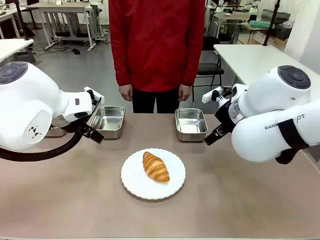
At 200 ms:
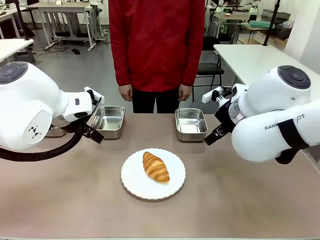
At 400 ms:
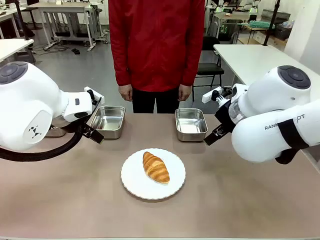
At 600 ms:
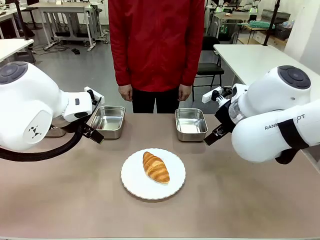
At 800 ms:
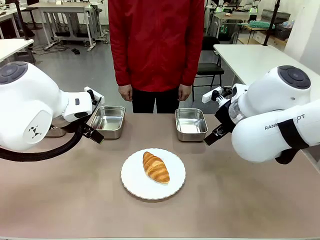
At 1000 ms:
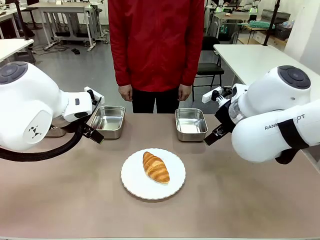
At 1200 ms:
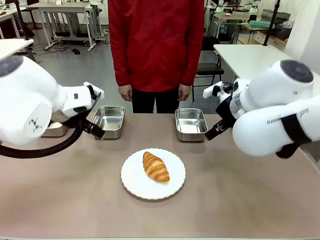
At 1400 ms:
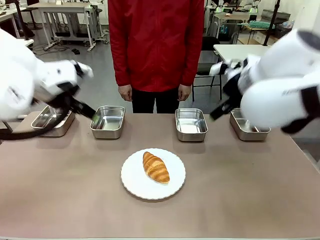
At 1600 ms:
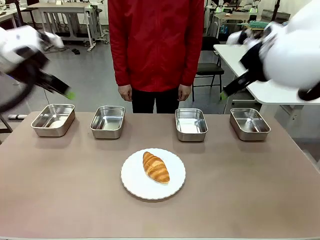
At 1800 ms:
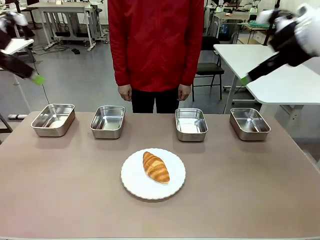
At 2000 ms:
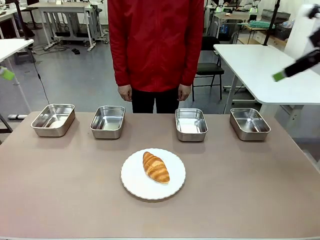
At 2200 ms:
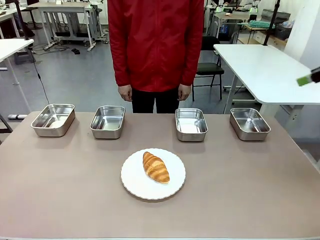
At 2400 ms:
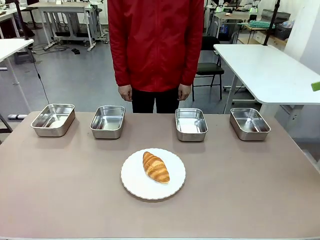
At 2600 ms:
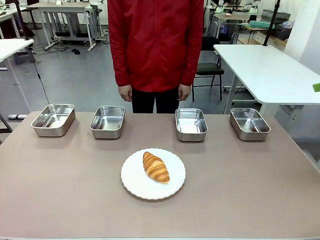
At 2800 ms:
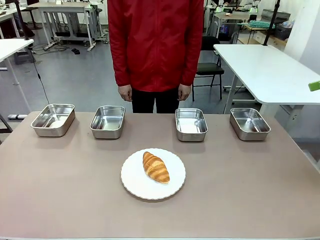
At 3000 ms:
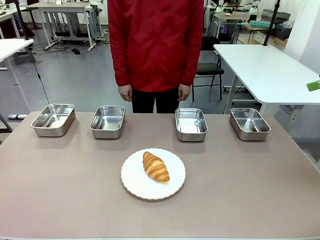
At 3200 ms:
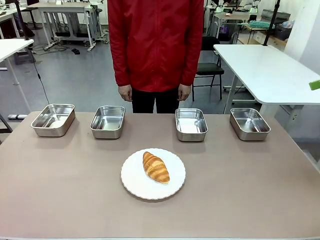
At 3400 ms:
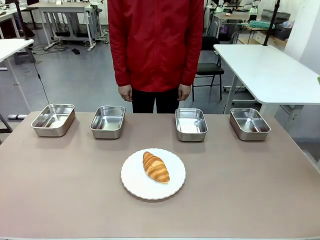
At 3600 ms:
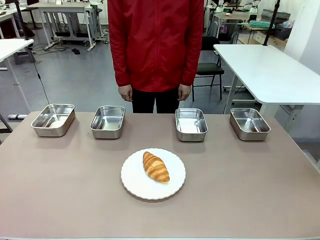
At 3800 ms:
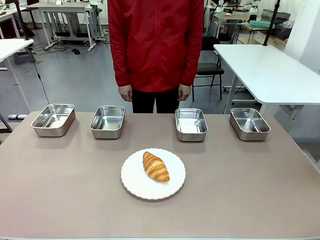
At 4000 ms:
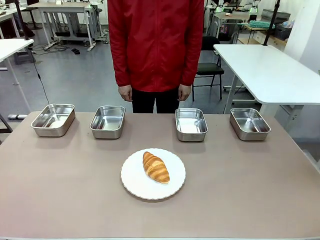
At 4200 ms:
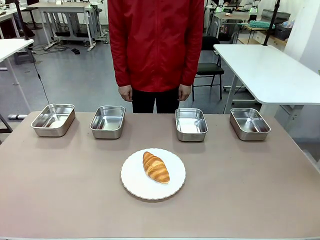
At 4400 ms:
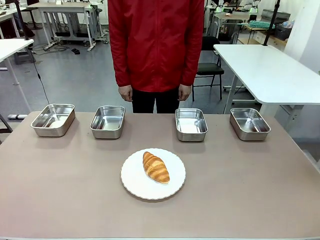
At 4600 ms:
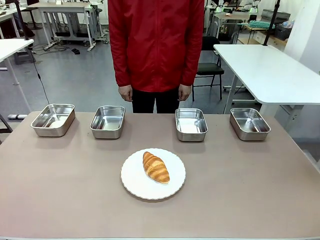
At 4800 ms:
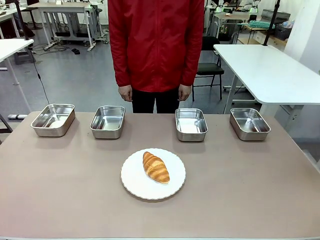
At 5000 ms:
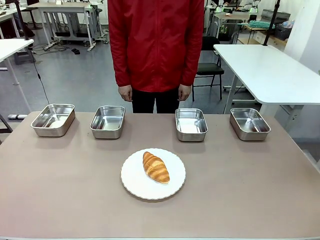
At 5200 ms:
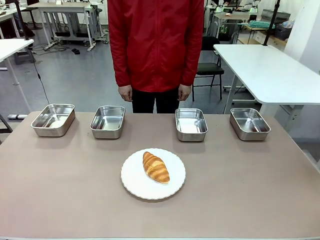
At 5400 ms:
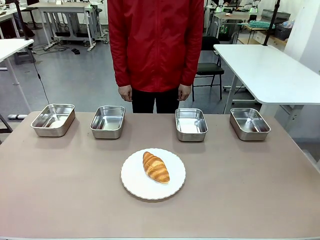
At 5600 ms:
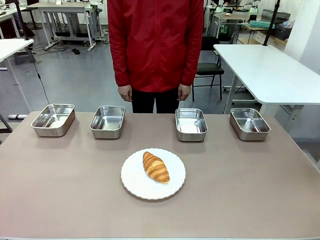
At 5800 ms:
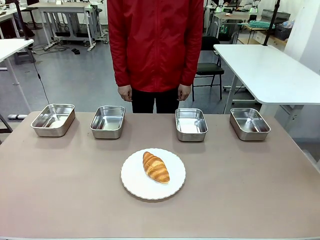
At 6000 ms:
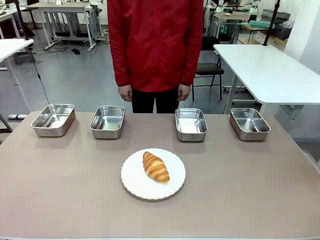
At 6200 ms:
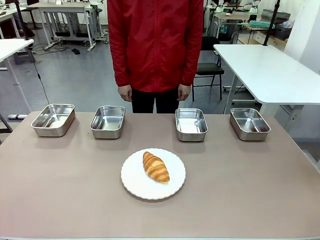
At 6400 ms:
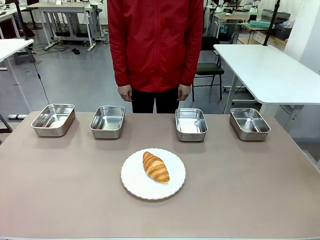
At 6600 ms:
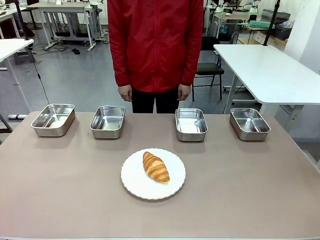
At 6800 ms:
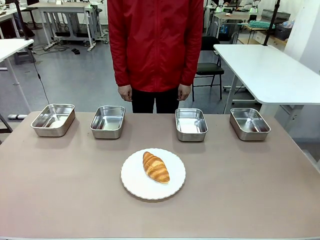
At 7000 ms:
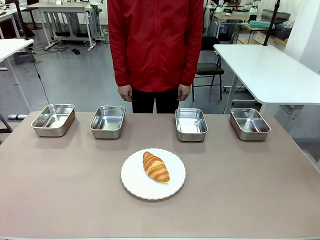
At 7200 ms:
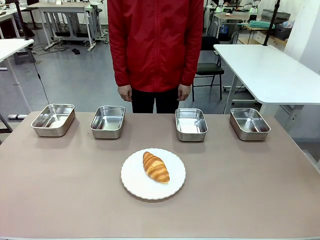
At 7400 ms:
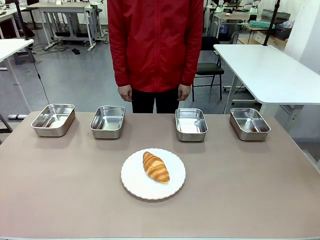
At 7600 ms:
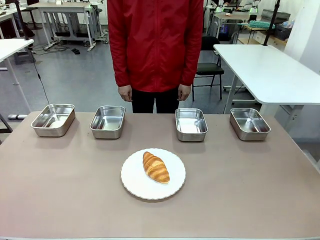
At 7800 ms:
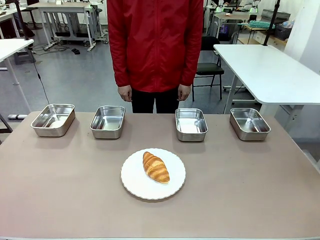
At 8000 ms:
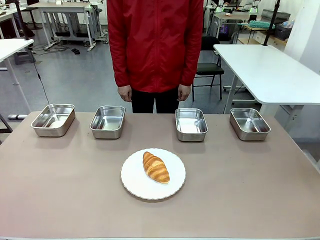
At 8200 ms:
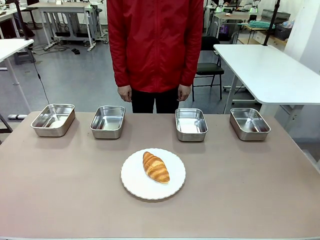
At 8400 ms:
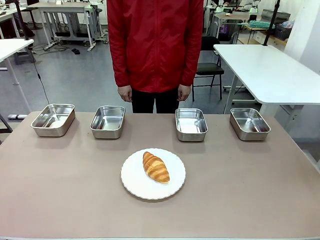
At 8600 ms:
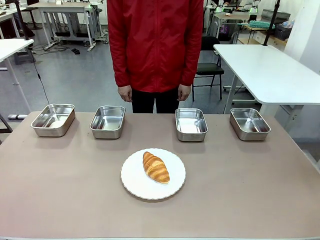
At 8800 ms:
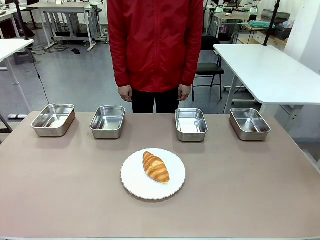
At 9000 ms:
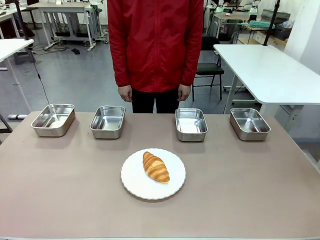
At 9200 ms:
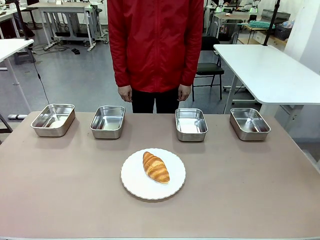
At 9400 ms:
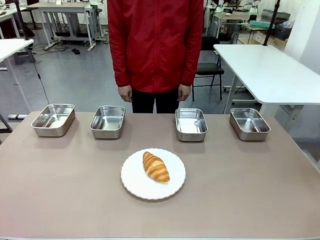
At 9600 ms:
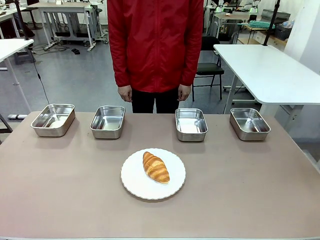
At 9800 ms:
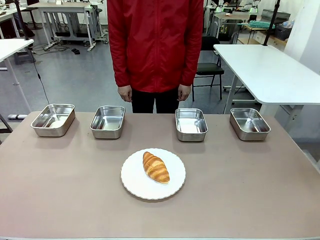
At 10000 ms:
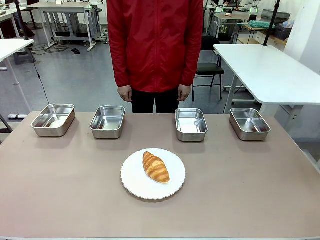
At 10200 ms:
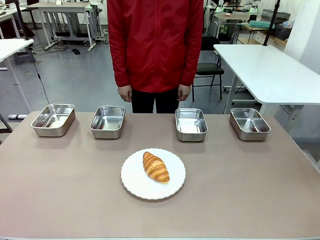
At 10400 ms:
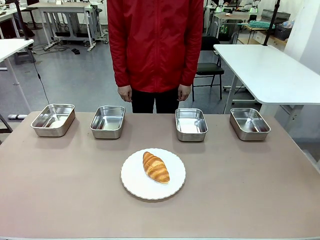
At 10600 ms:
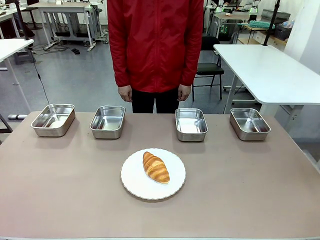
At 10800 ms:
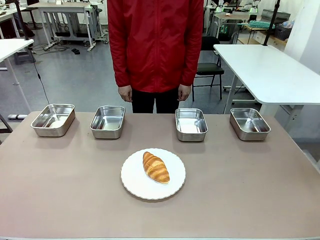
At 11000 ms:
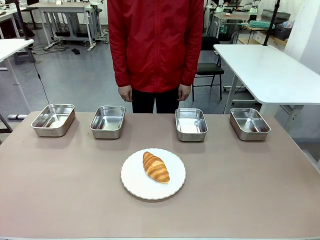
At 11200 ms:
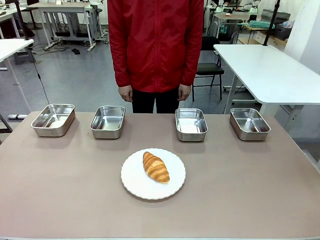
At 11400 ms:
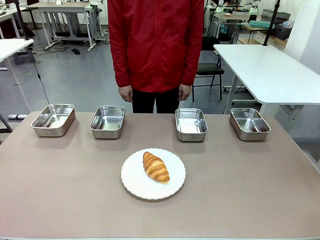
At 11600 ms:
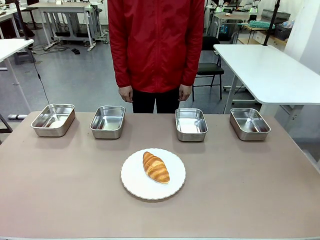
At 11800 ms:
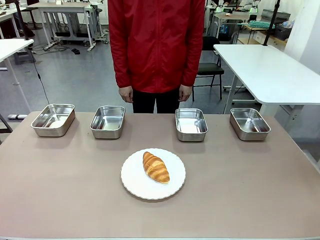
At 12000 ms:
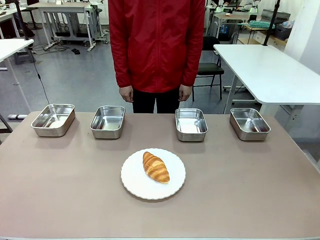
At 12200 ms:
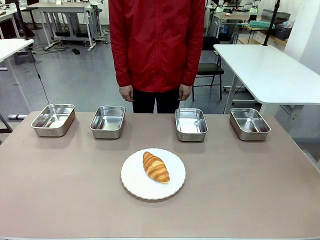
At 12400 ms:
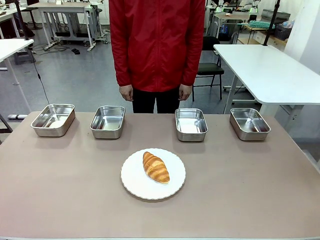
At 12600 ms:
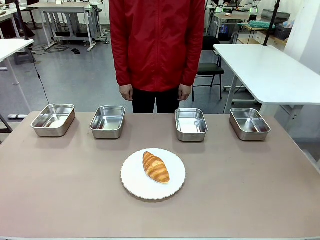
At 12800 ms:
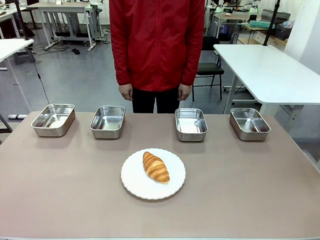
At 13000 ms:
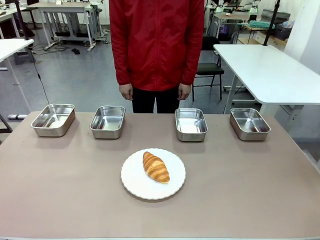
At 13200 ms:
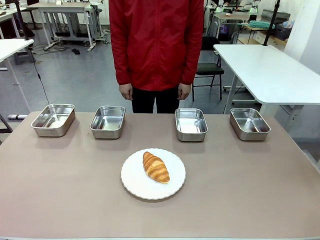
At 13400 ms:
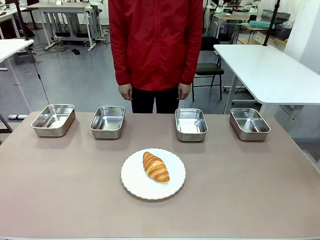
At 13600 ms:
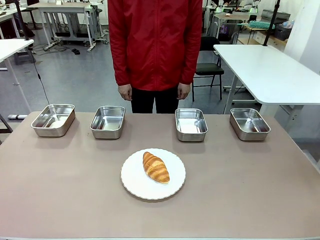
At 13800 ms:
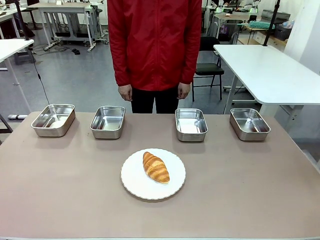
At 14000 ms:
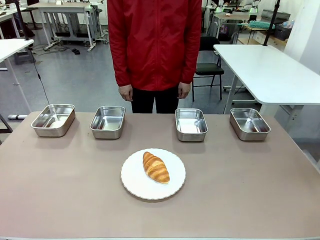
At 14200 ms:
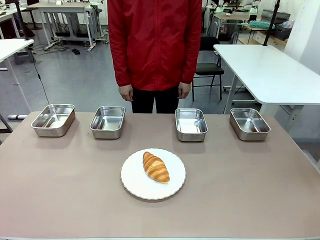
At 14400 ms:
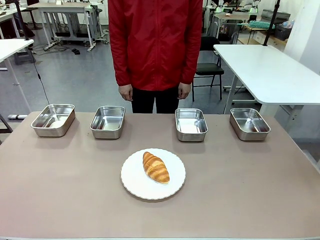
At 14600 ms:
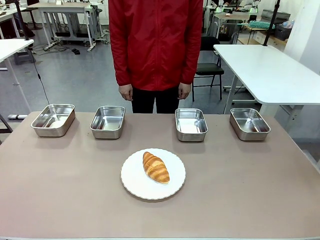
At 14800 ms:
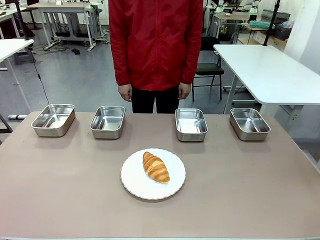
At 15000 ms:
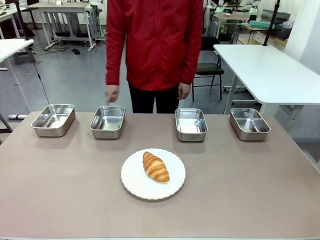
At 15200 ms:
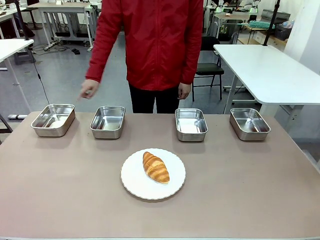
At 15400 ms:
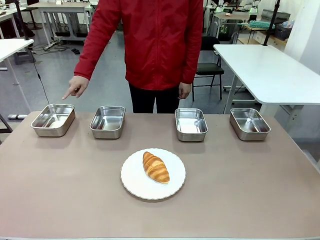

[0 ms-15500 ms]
Task: Place the bread in the container.
Robot: Place the Butter Roll into the Airtight Container indicated by the human.
